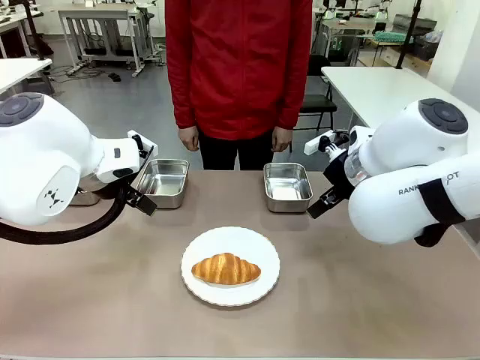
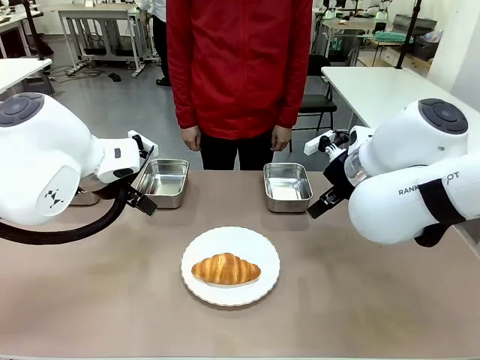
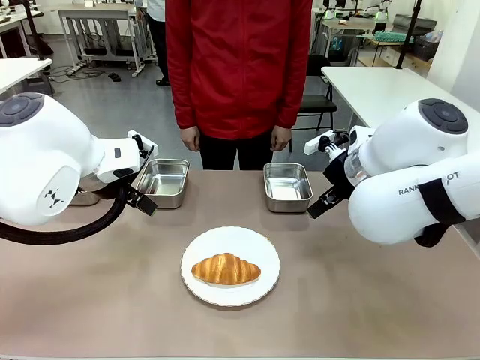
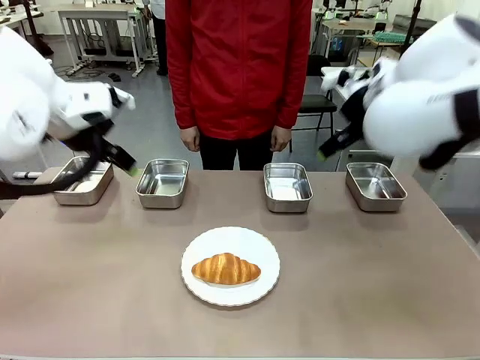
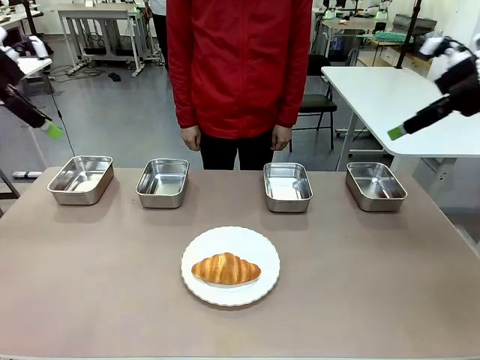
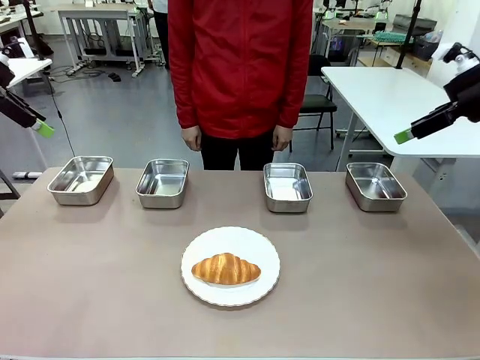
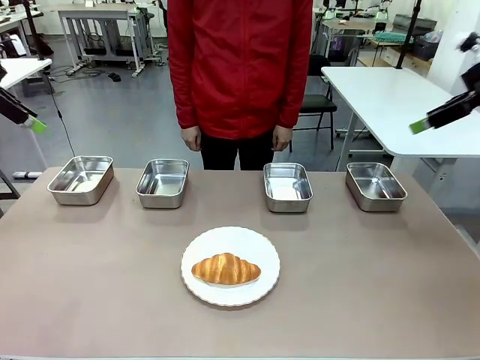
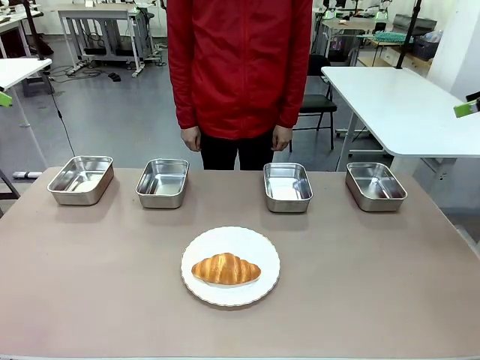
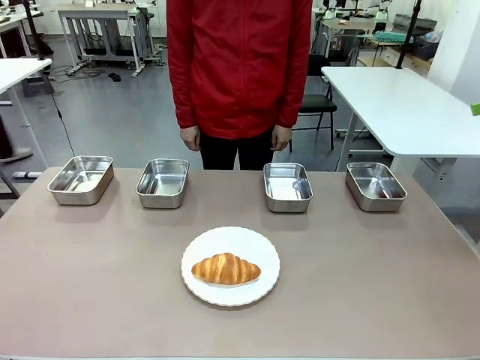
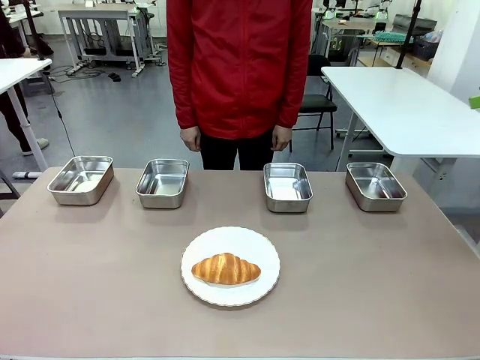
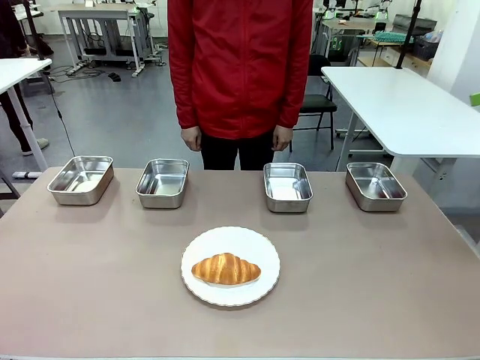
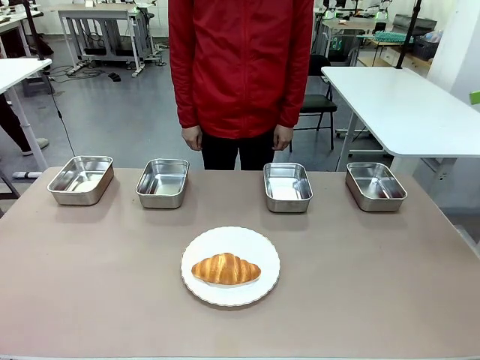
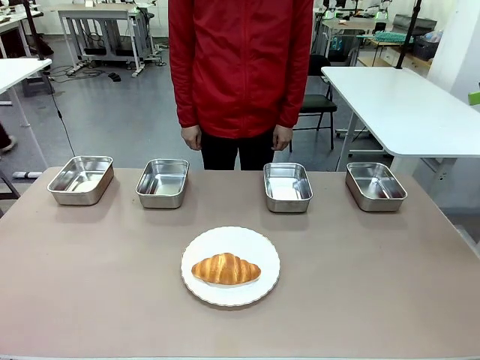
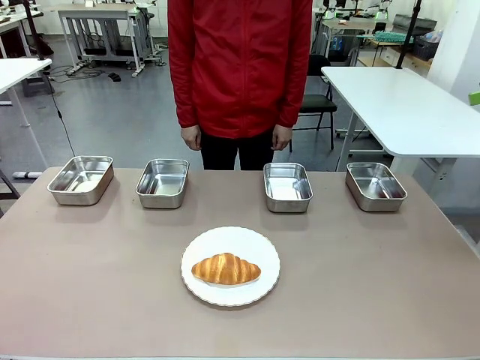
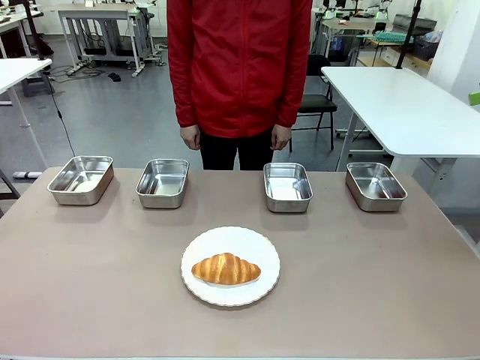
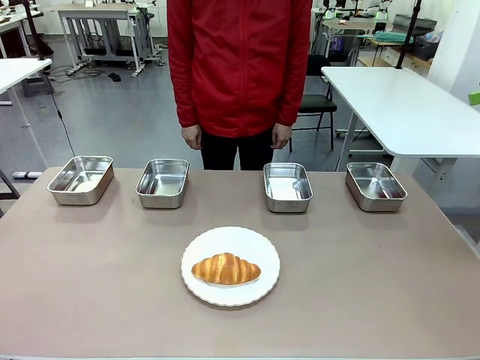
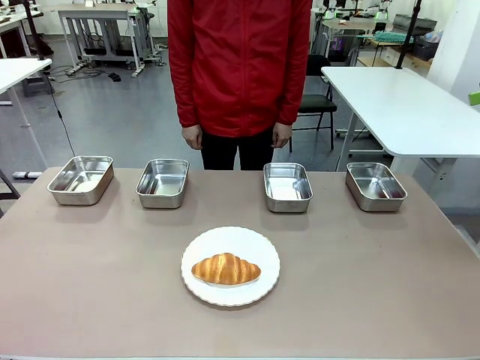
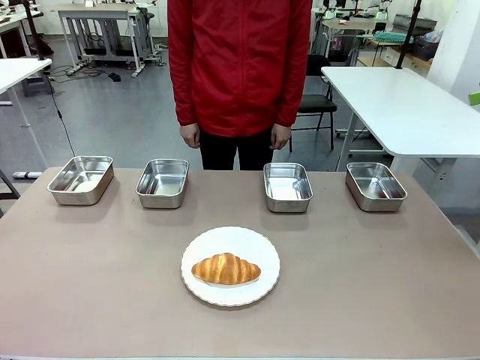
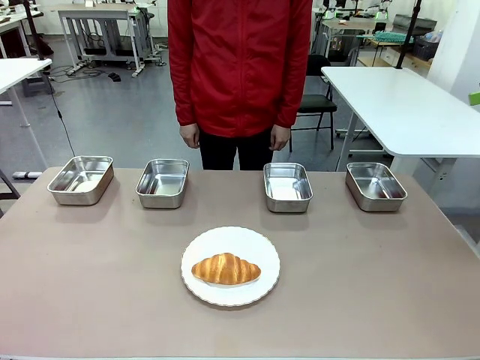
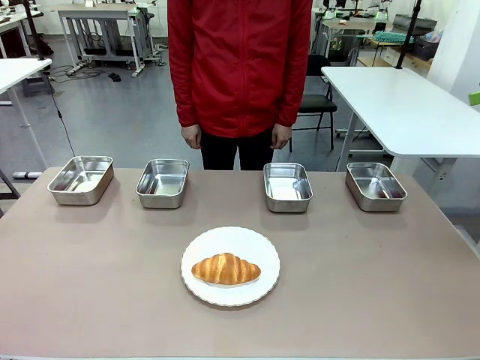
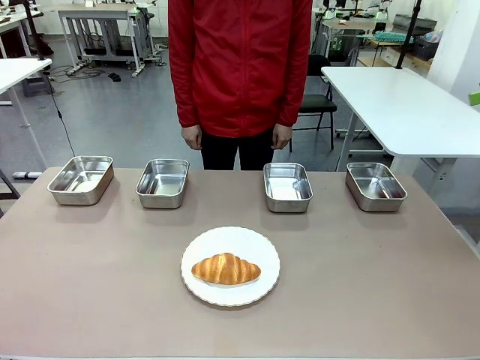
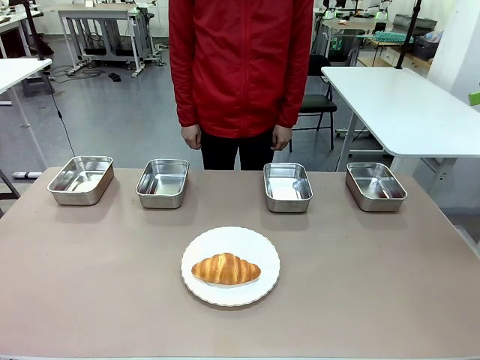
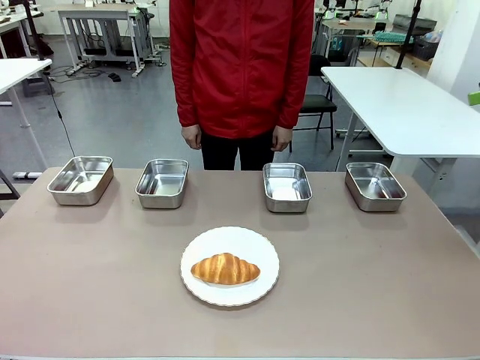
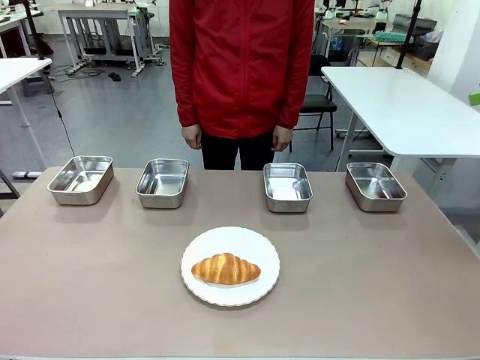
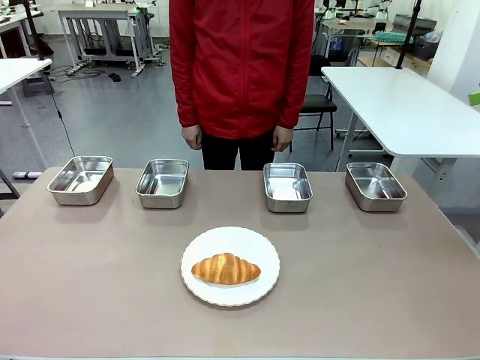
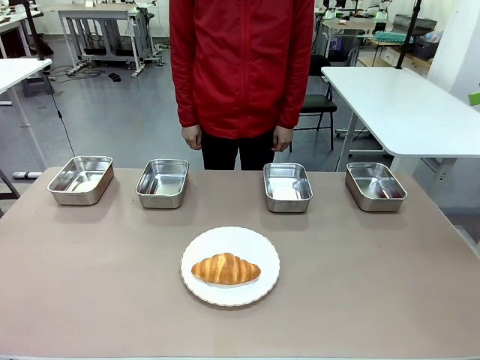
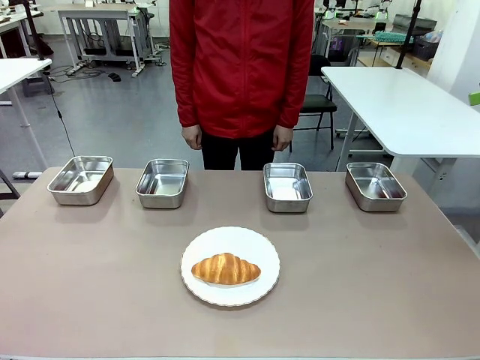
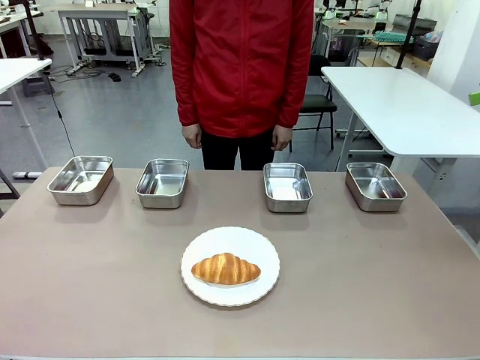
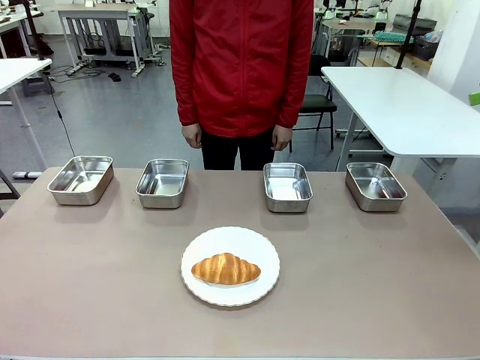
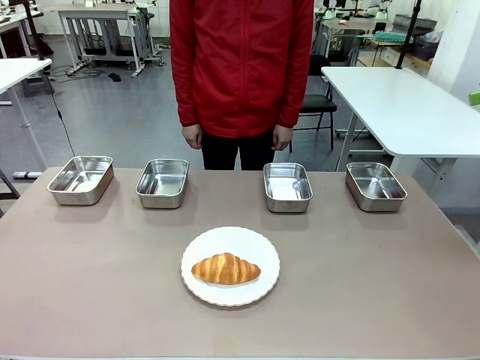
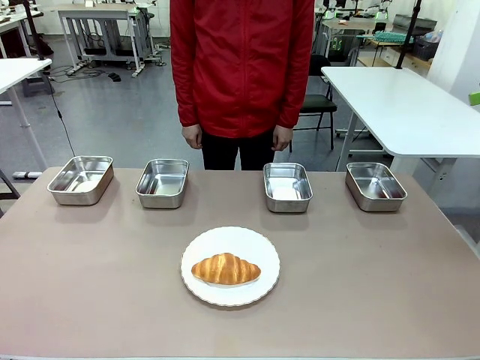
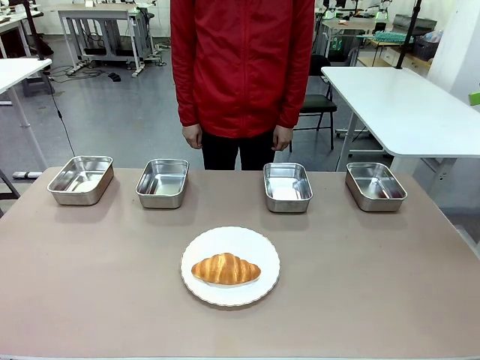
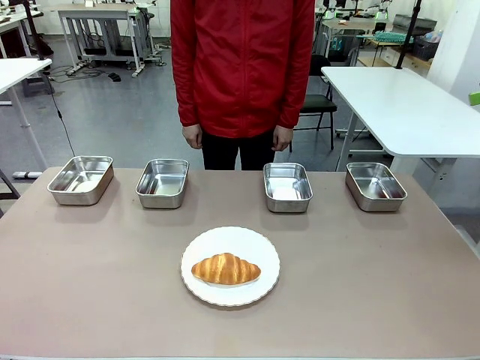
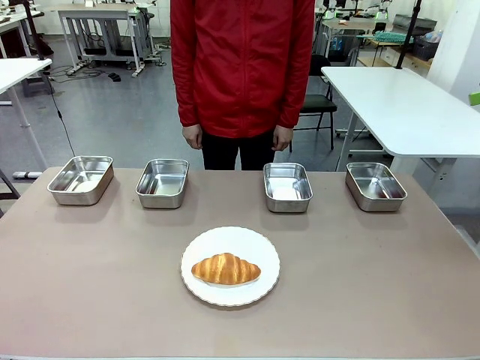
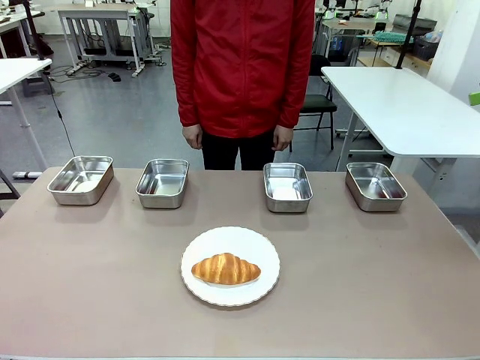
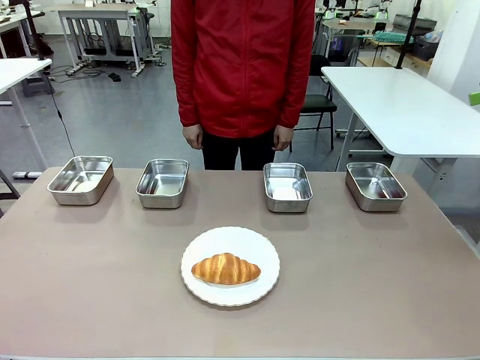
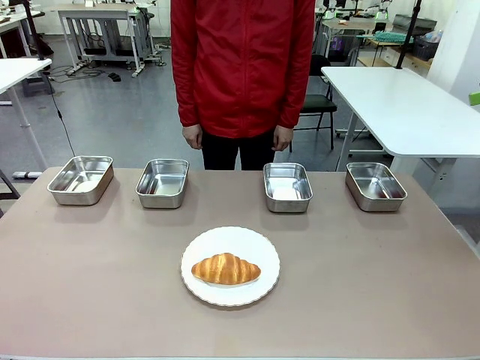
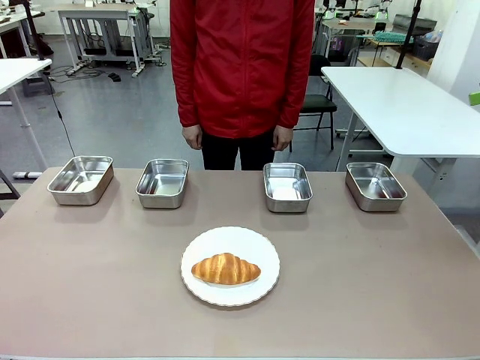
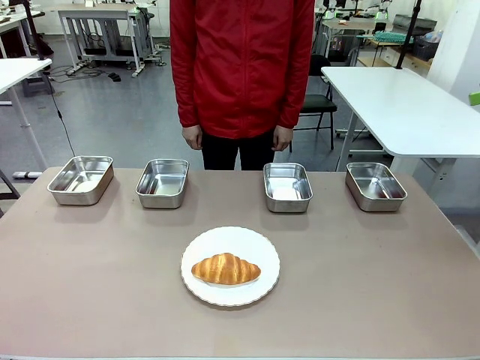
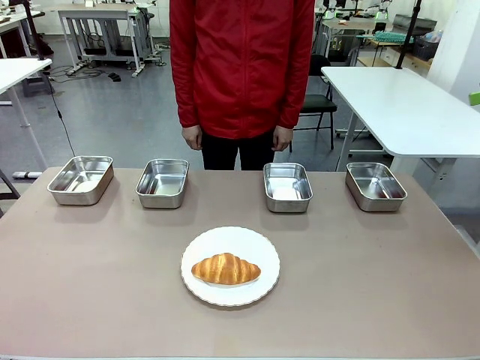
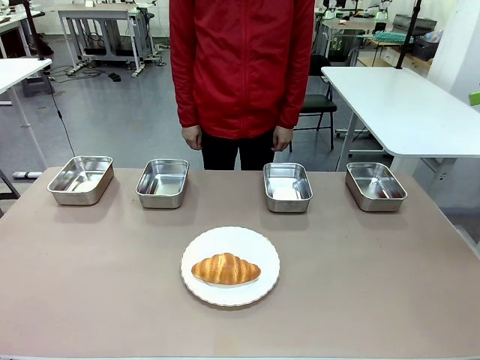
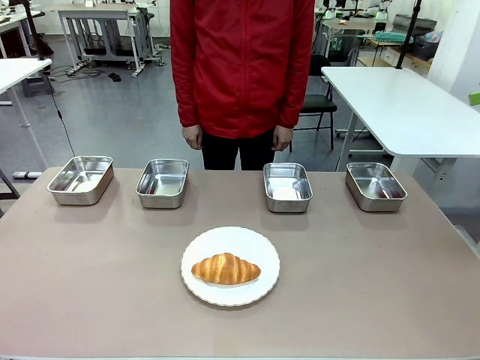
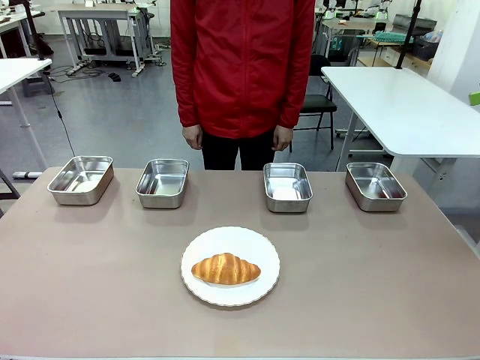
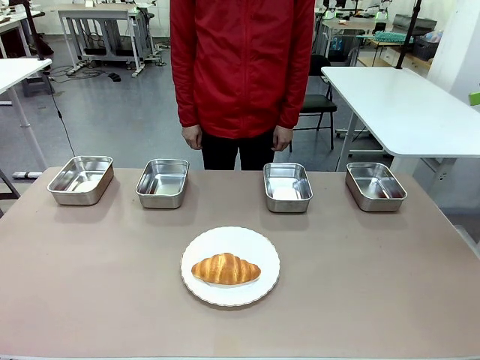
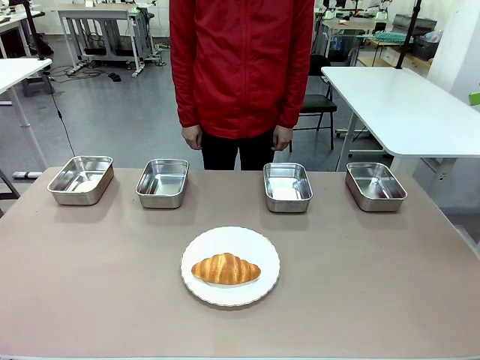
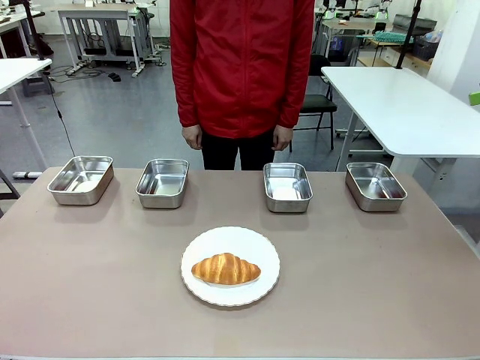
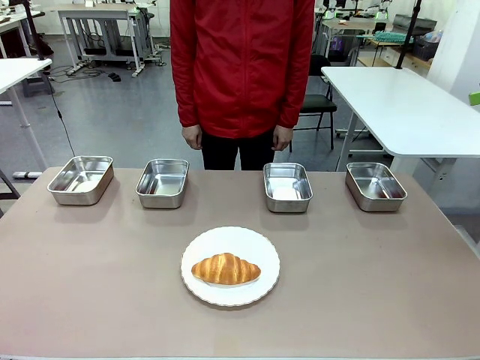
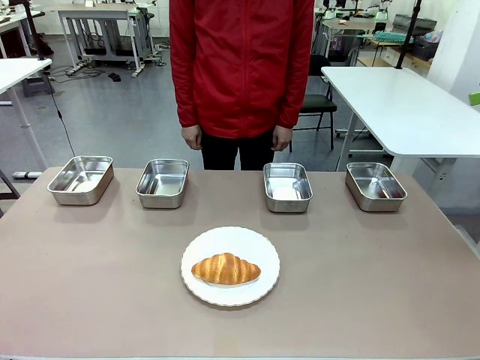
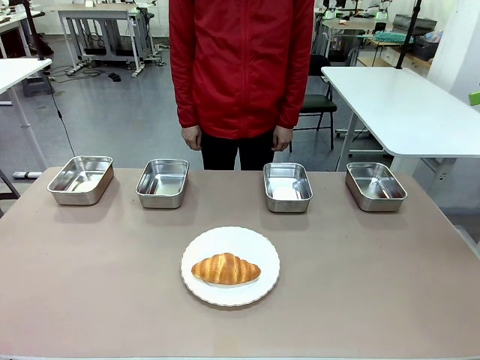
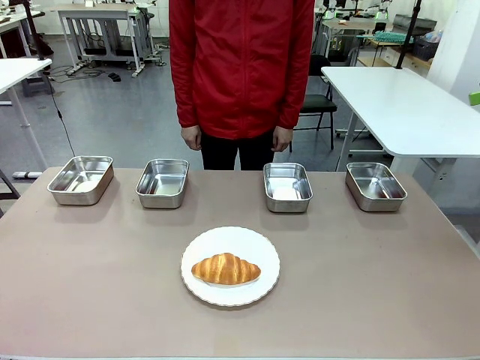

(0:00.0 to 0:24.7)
Task: Place the bread in the container.
Robot: Place the Butter Roll into the Airtight Container indicated by the human.
